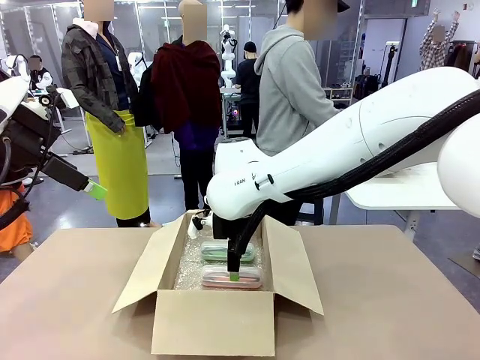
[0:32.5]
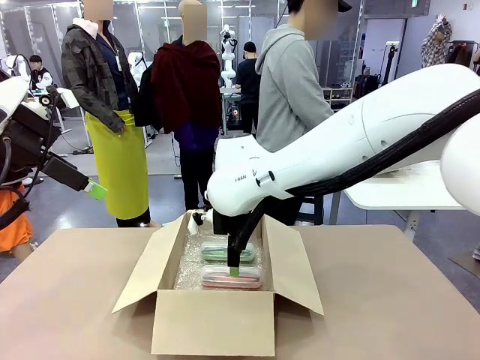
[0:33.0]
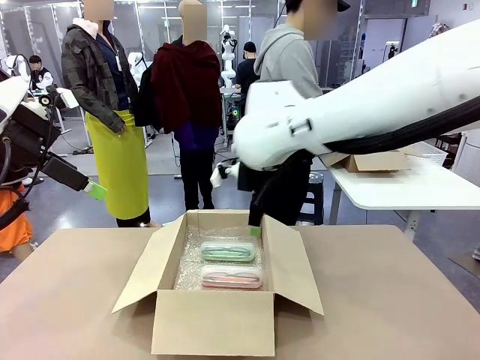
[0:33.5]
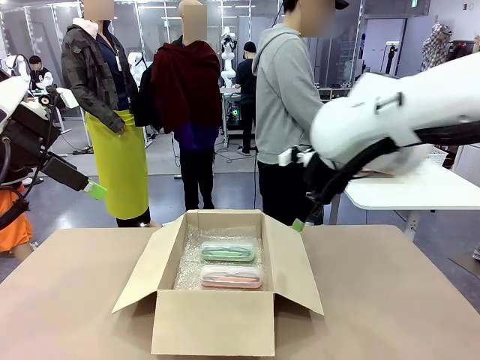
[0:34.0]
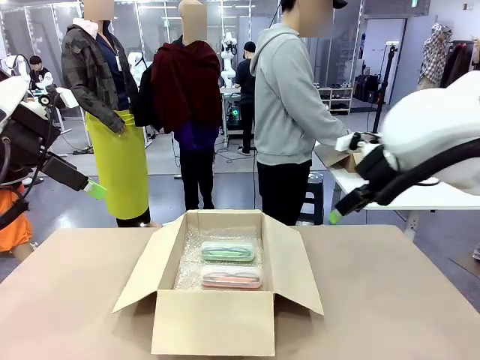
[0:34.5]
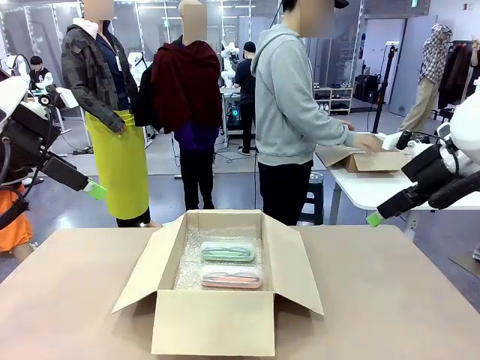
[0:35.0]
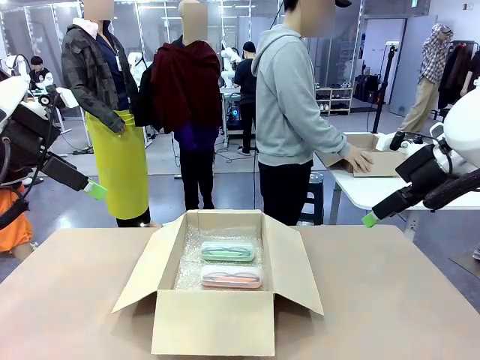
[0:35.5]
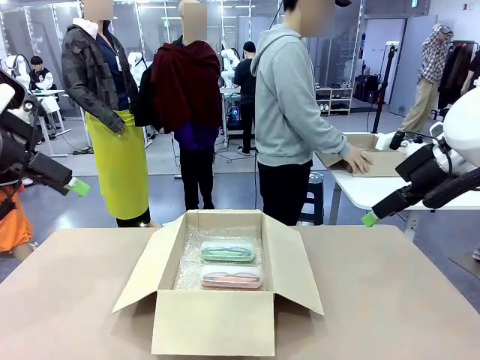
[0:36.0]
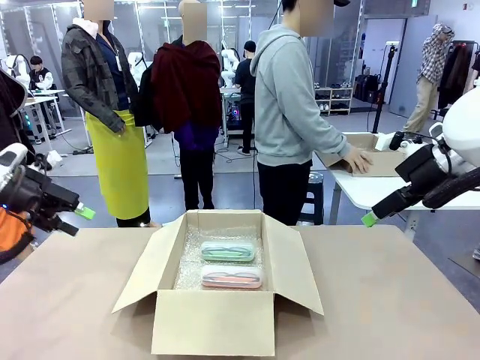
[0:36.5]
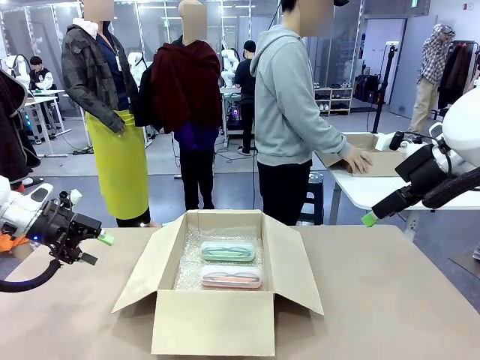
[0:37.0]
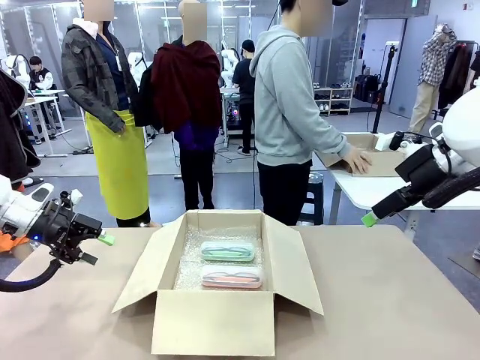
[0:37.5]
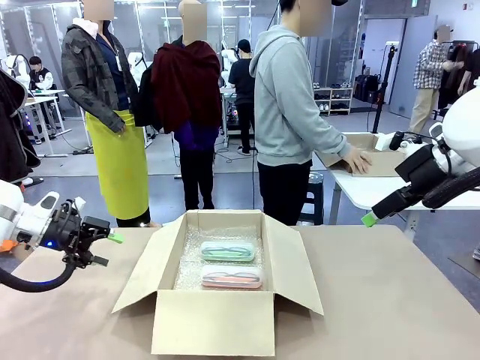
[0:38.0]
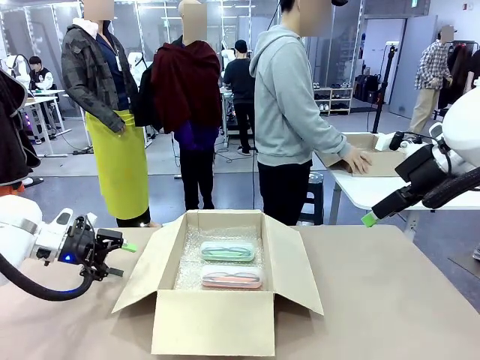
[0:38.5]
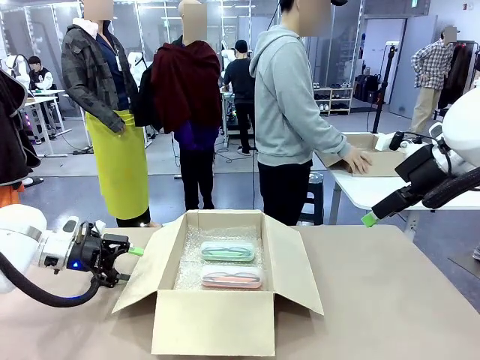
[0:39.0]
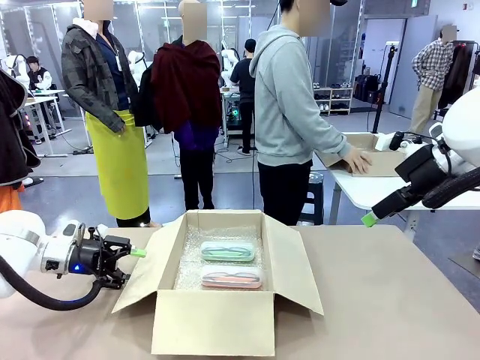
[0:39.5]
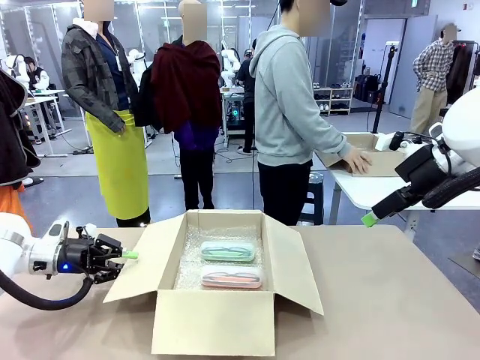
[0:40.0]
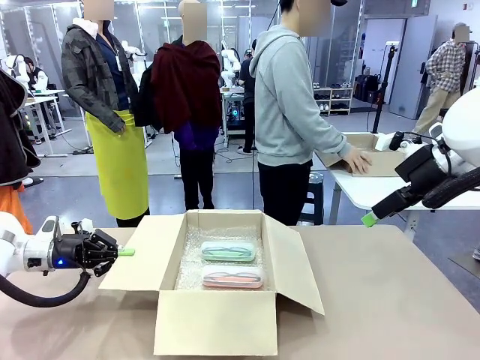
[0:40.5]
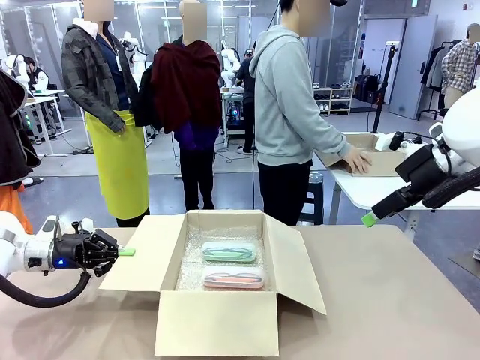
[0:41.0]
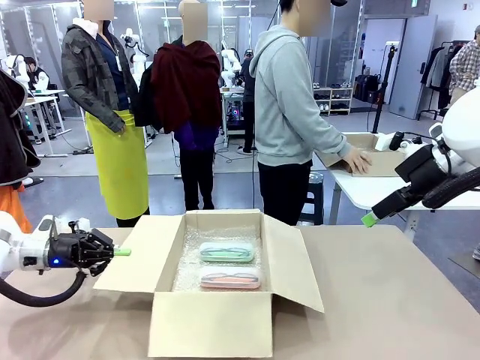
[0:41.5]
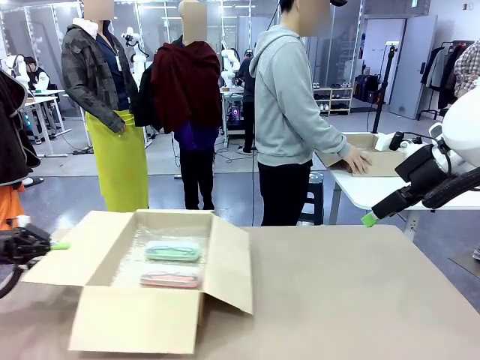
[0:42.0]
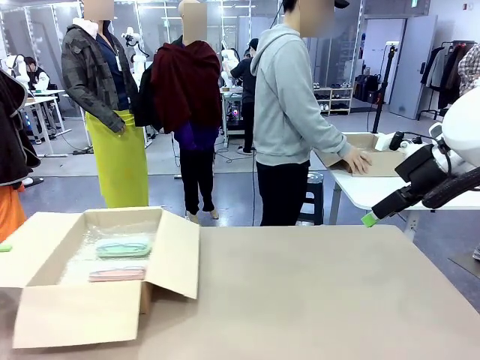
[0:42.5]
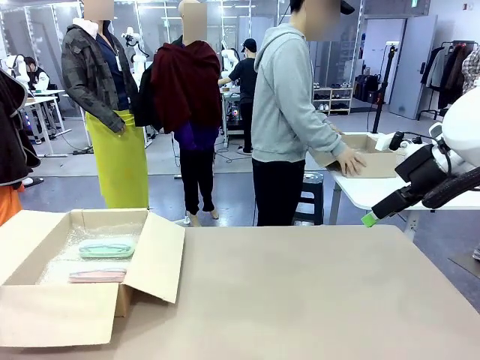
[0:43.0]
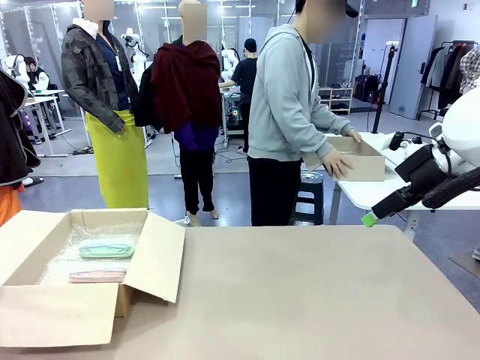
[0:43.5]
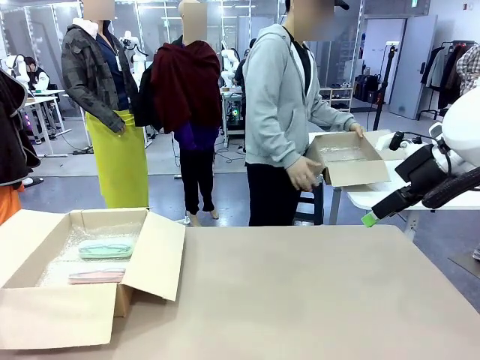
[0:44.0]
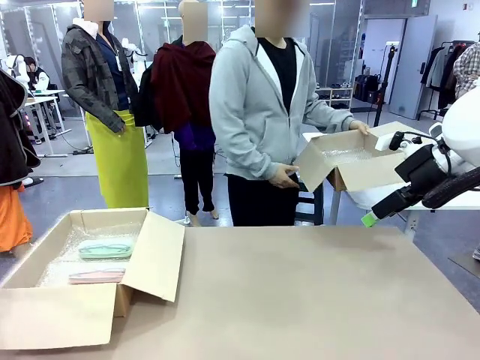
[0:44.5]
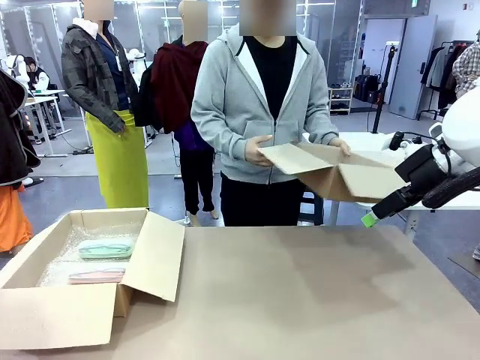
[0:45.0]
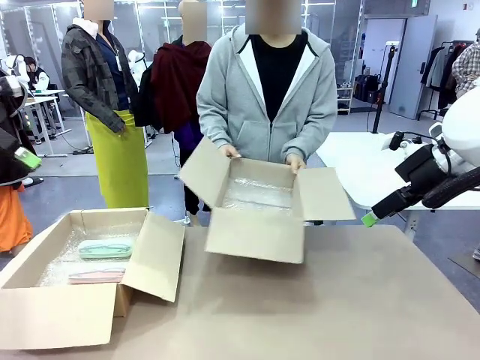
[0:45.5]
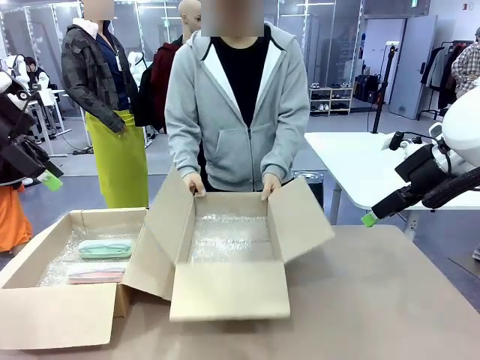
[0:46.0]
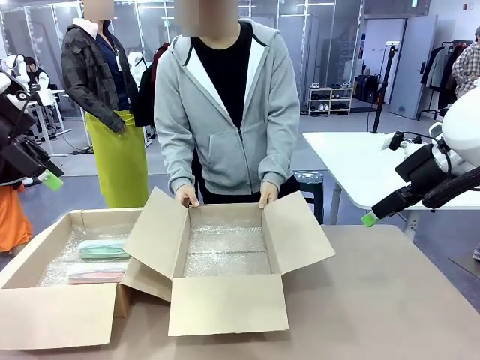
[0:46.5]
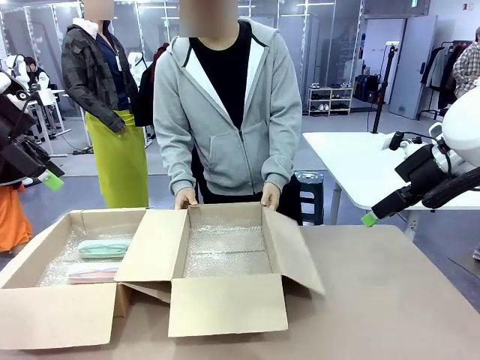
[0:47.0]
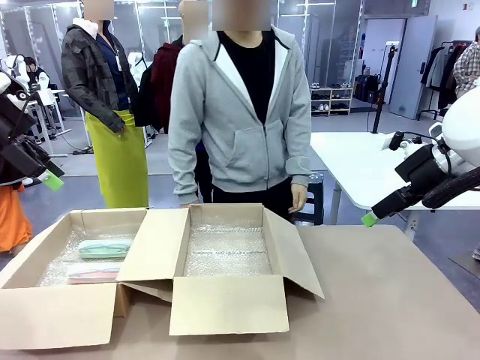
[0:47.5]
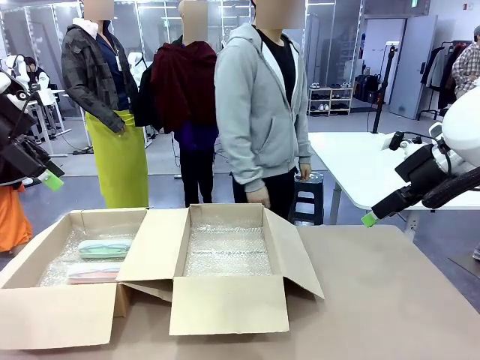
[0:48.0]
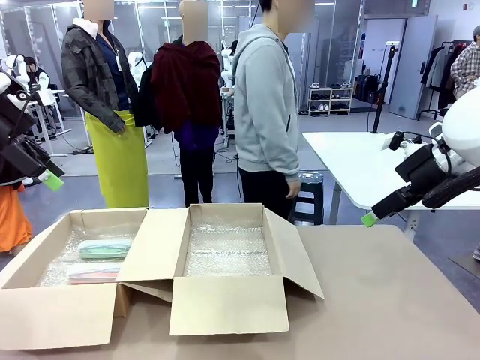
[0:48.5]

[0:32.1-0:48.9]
Task: Pack the glasses set securely to prepare it for shipping.
Robot: Position the Package Box on the left side of the table.
Person: Position the empty Package Box in the middle of the robot's table.

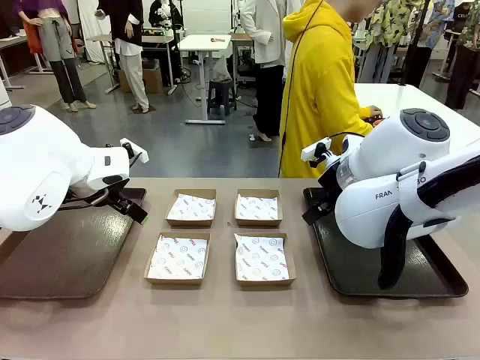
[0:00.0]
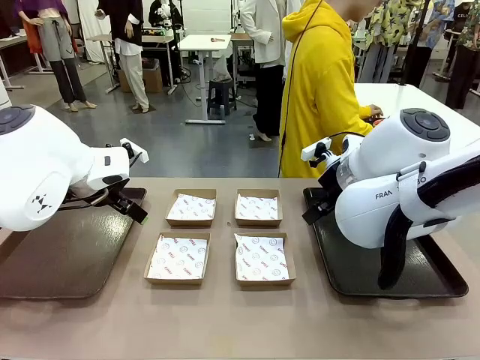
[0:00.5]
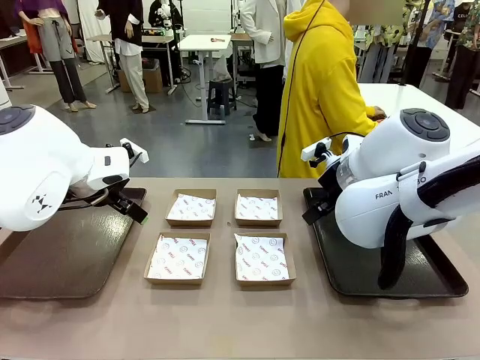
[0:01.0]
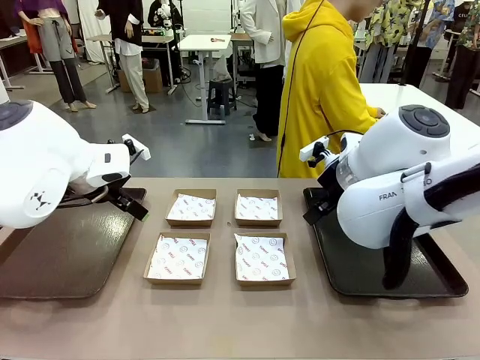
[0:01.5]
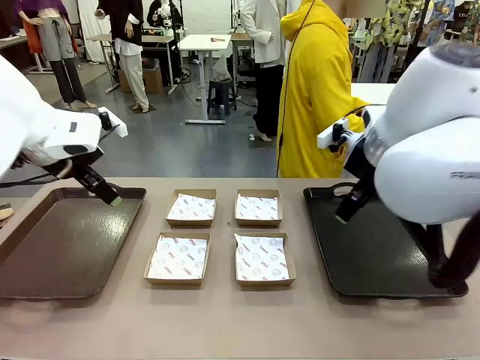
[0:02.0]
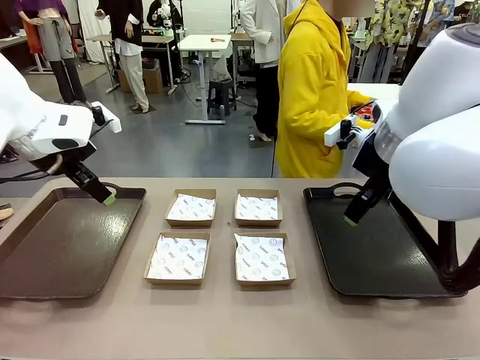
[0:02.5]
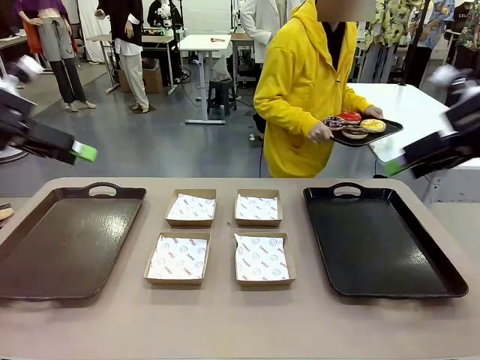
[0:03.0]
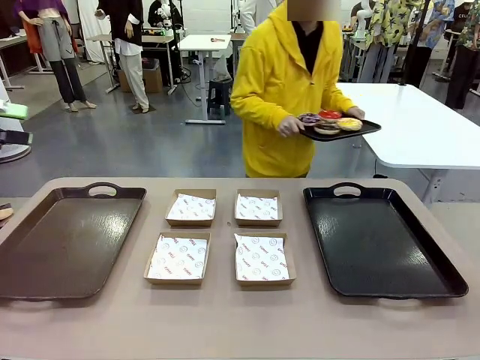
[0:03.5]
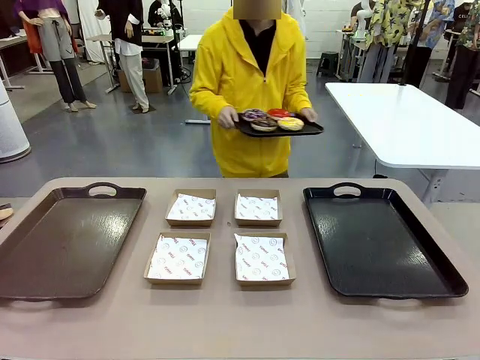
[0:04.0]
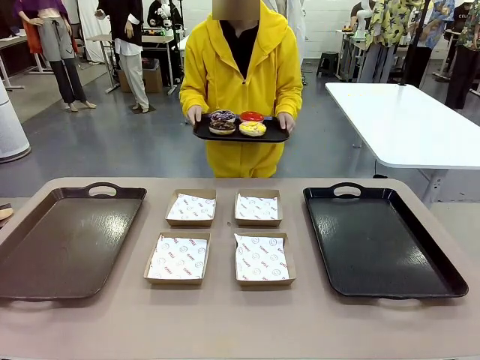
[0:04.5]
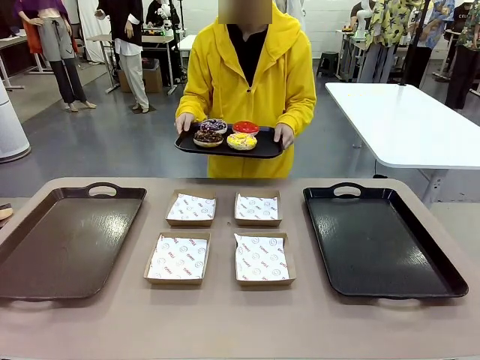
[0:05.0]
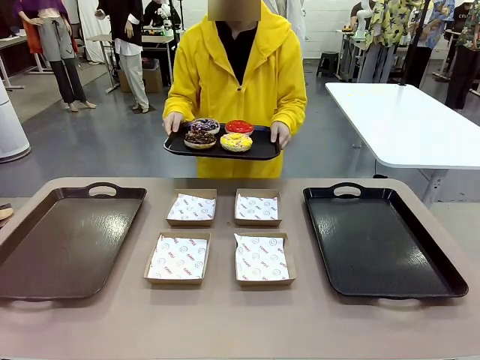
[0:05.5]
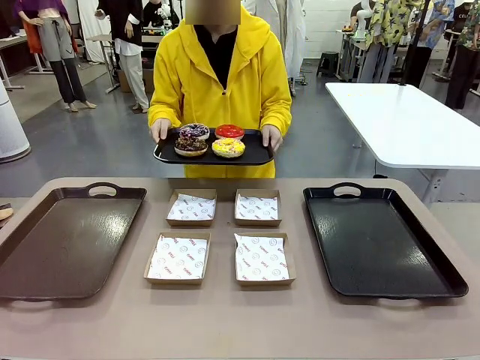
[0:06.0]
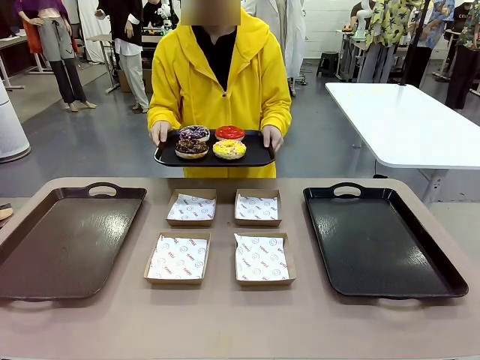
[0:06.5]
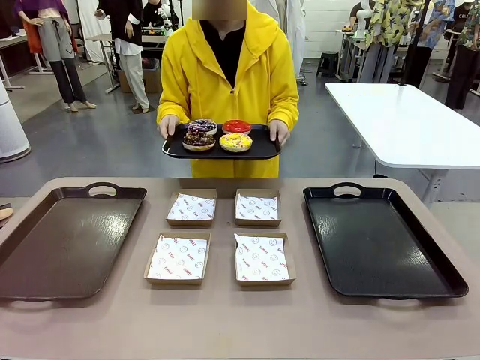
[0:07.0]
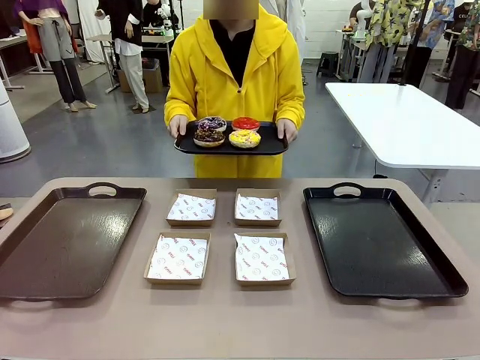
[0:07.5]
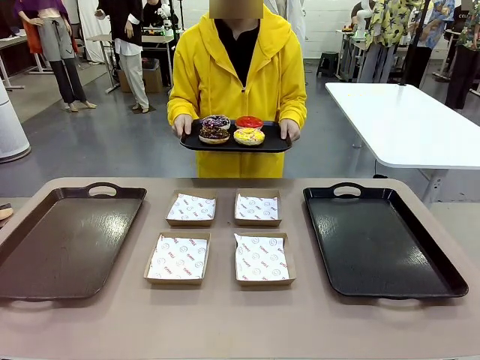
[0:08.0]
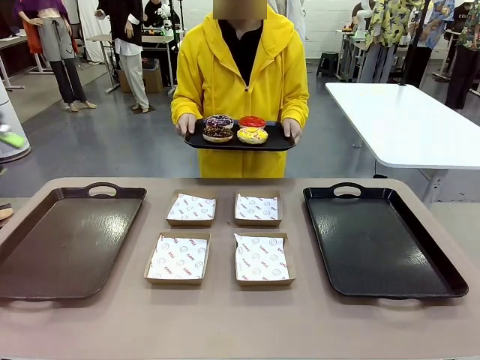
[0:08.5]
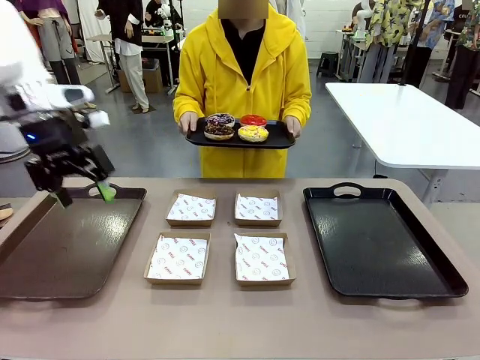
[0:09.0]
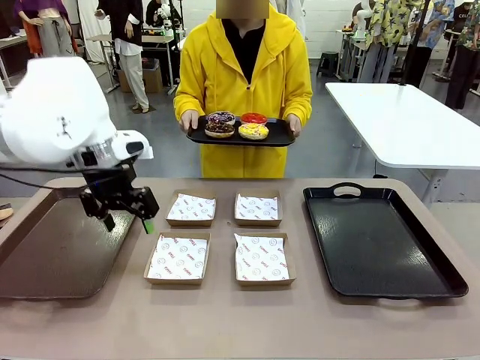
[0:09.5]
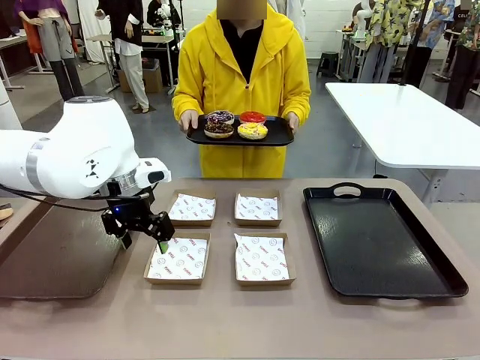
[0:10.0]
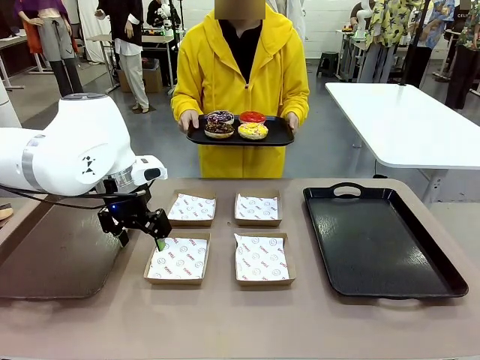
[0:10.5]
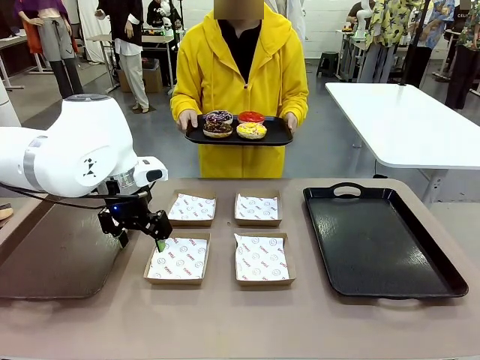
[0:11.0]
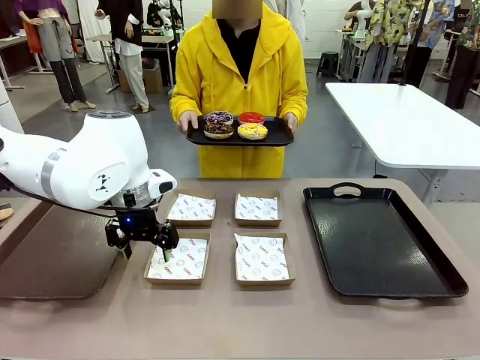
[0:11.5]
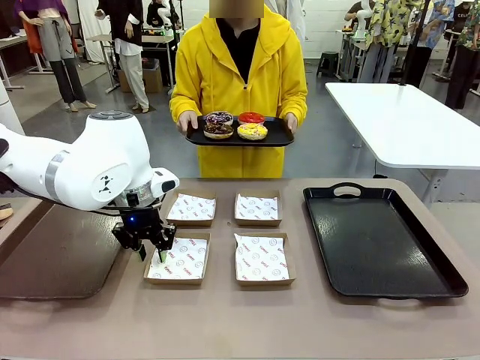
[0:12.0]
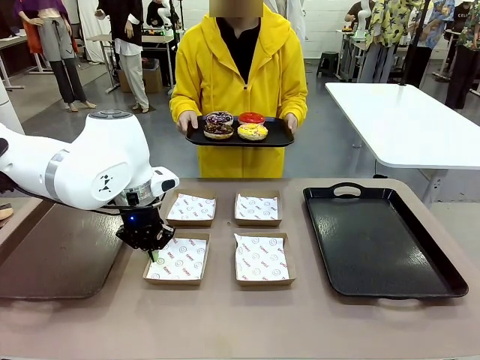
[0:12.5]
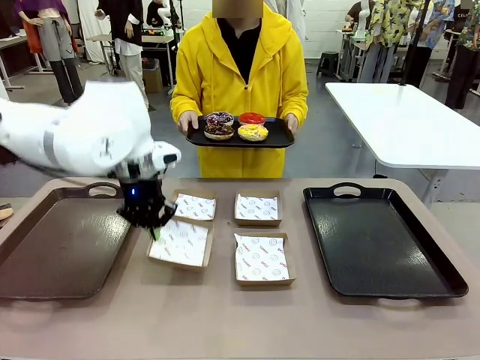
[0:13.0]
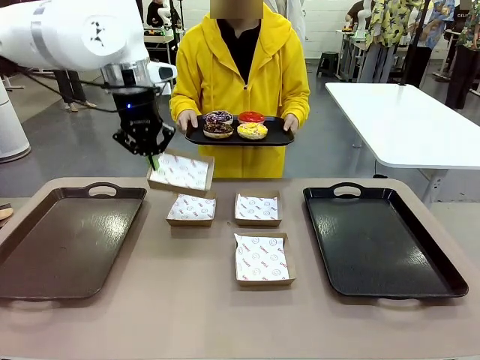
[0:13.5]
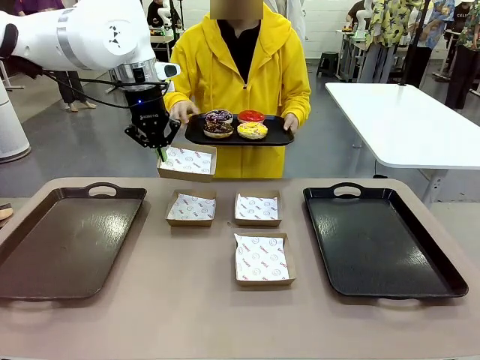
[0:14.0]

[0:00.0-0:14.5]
Task: Individually package the donuts and arrange them on the tray.
Robot: Pick up one Paper togo box.
Person: Stand in front of the robot table holding the tray containing the donuts.
